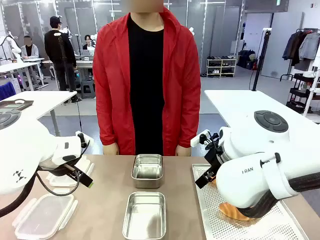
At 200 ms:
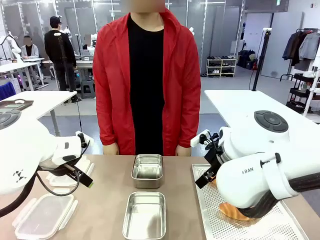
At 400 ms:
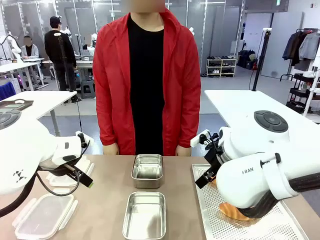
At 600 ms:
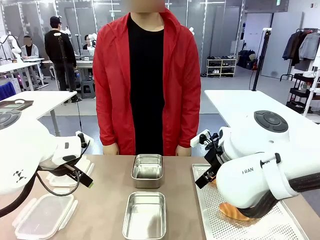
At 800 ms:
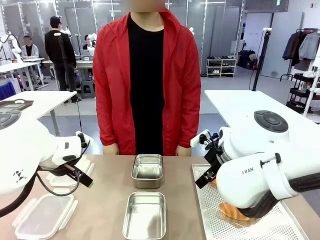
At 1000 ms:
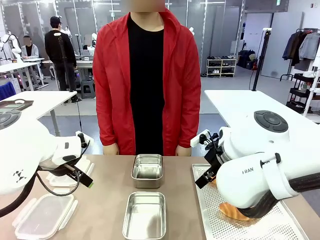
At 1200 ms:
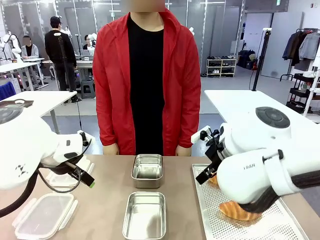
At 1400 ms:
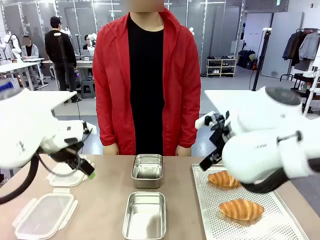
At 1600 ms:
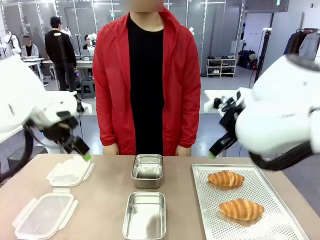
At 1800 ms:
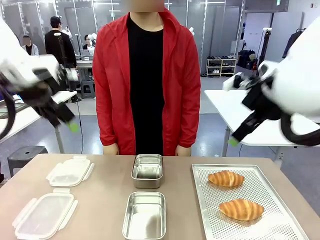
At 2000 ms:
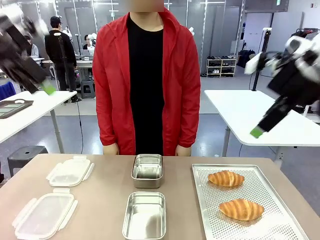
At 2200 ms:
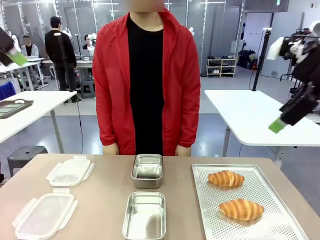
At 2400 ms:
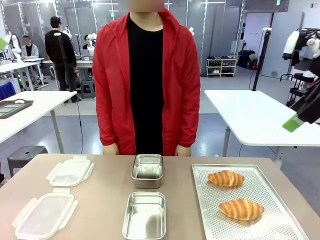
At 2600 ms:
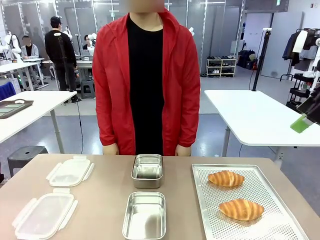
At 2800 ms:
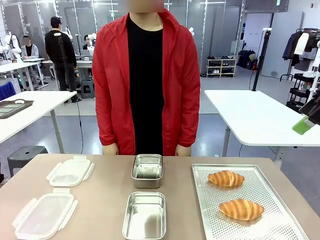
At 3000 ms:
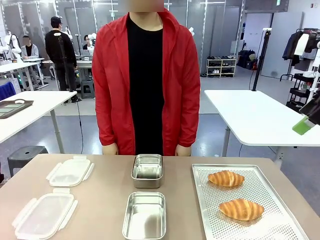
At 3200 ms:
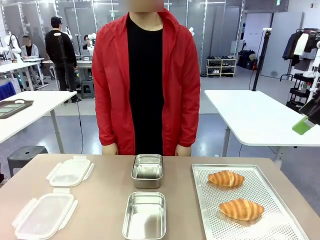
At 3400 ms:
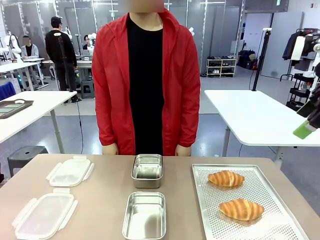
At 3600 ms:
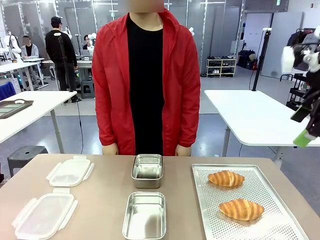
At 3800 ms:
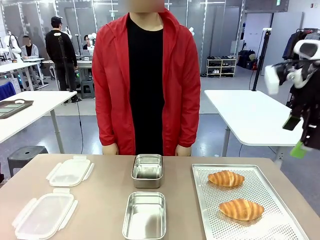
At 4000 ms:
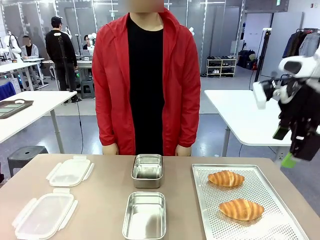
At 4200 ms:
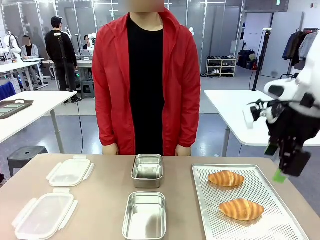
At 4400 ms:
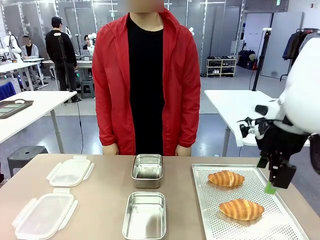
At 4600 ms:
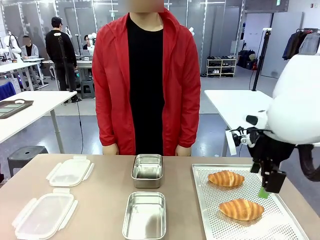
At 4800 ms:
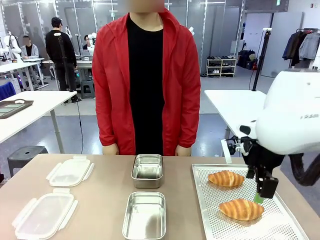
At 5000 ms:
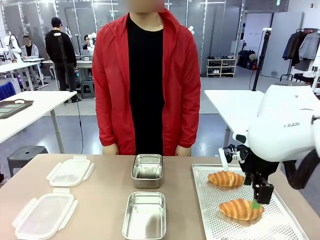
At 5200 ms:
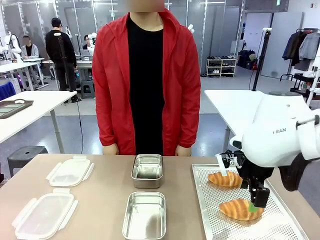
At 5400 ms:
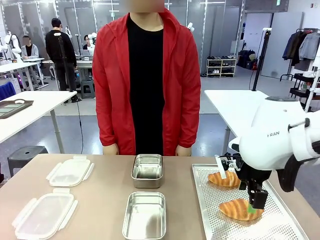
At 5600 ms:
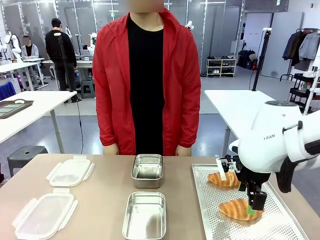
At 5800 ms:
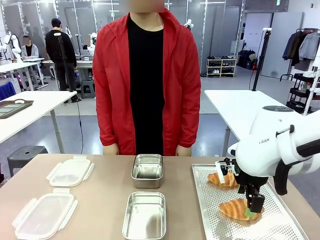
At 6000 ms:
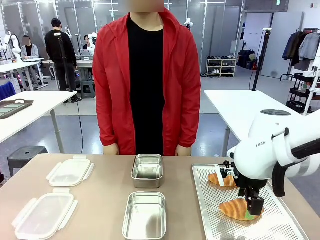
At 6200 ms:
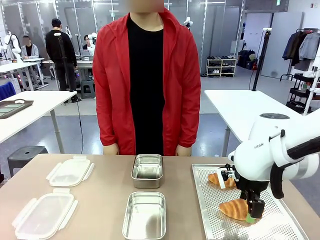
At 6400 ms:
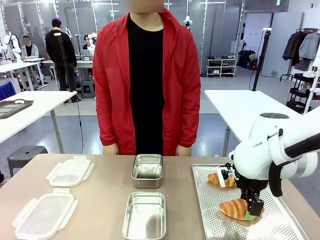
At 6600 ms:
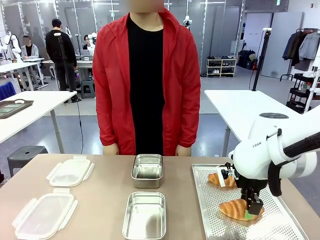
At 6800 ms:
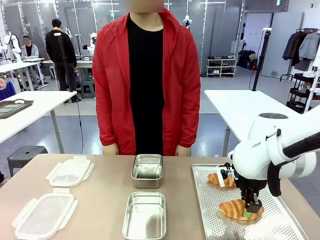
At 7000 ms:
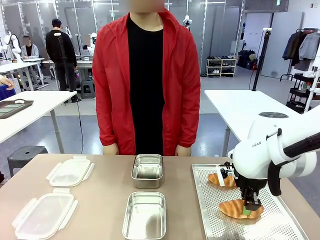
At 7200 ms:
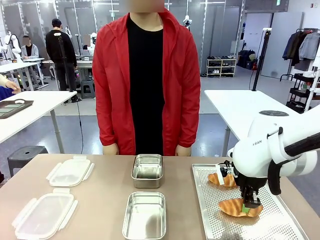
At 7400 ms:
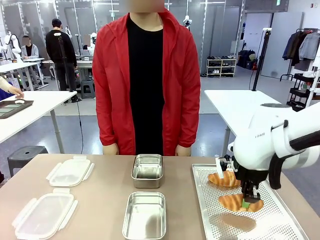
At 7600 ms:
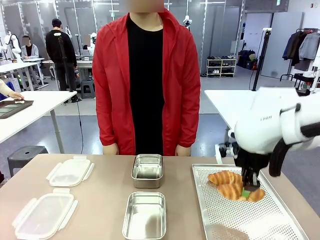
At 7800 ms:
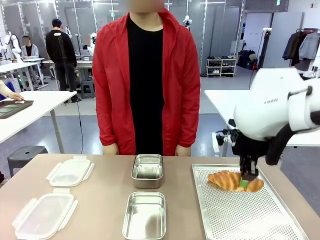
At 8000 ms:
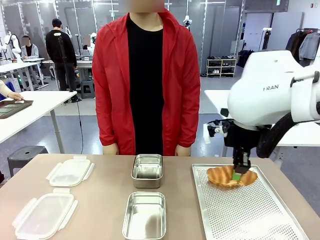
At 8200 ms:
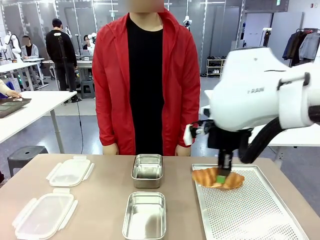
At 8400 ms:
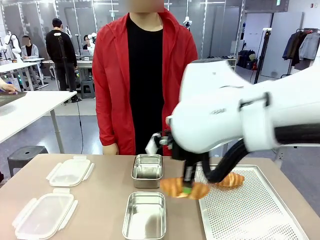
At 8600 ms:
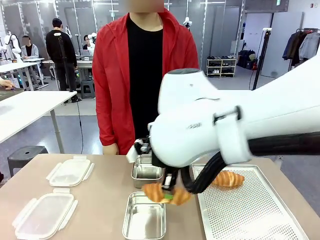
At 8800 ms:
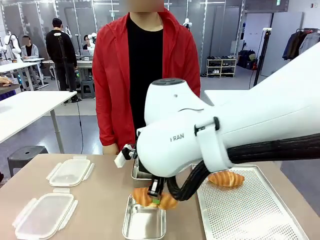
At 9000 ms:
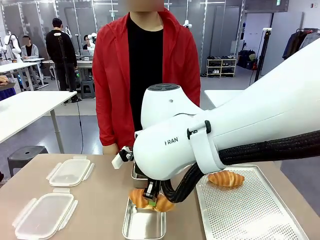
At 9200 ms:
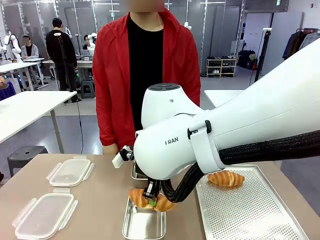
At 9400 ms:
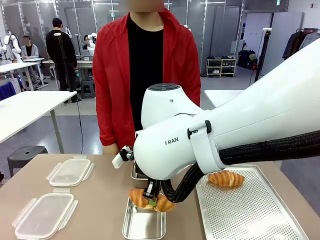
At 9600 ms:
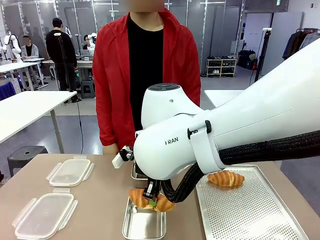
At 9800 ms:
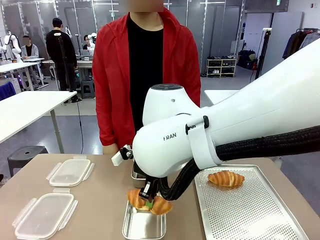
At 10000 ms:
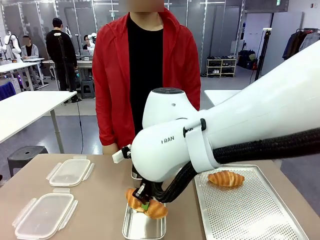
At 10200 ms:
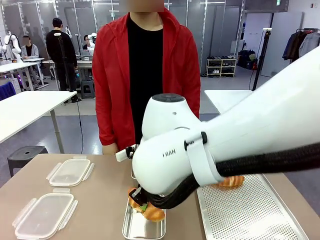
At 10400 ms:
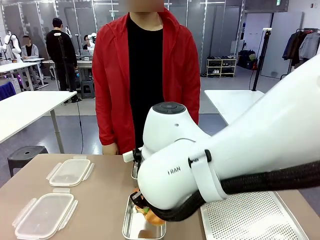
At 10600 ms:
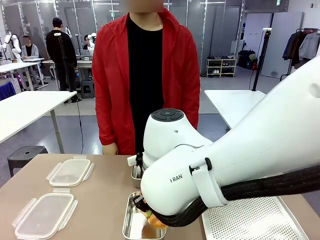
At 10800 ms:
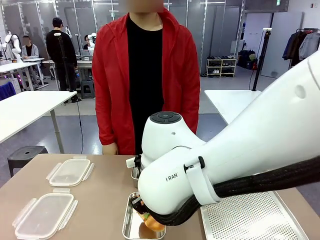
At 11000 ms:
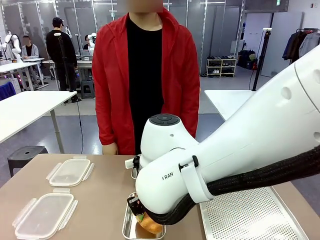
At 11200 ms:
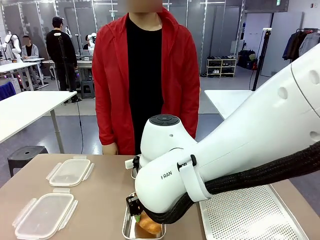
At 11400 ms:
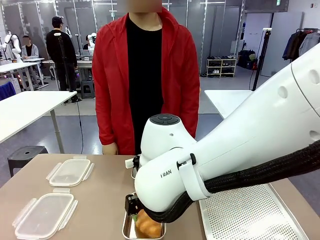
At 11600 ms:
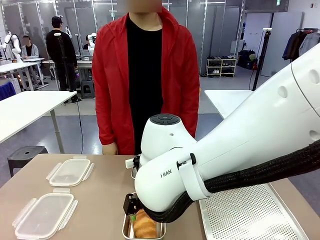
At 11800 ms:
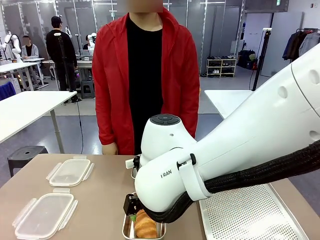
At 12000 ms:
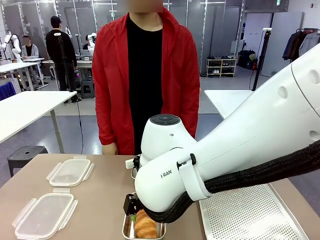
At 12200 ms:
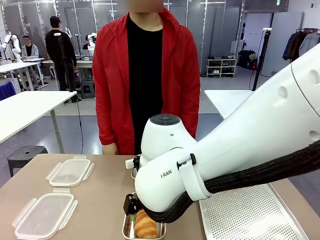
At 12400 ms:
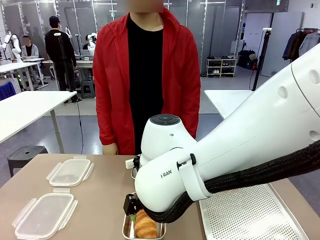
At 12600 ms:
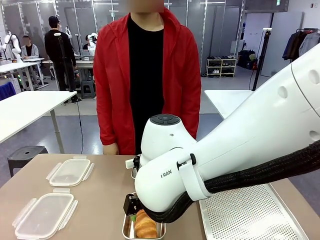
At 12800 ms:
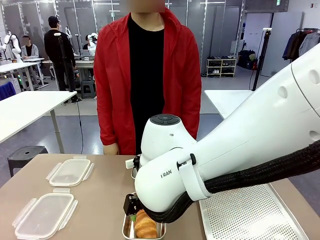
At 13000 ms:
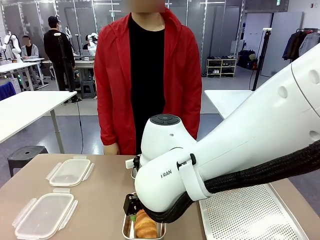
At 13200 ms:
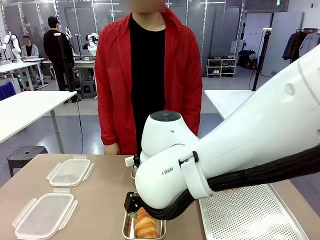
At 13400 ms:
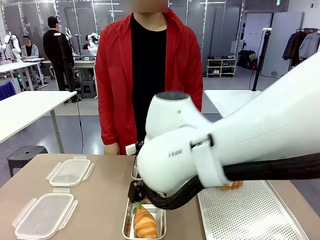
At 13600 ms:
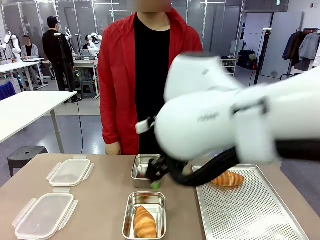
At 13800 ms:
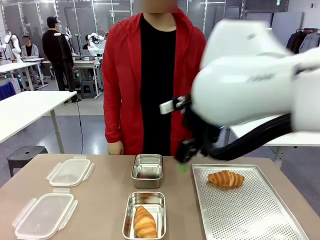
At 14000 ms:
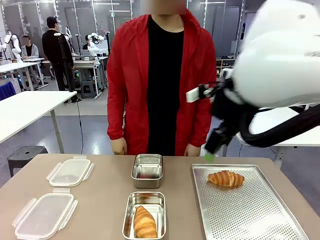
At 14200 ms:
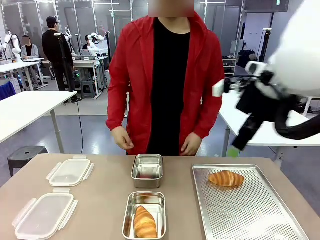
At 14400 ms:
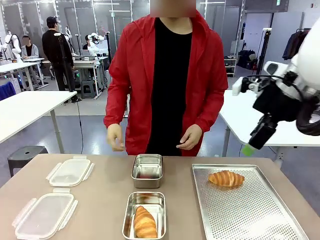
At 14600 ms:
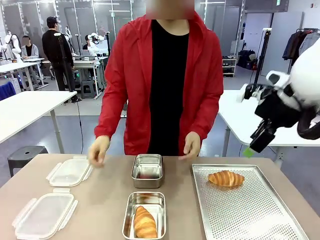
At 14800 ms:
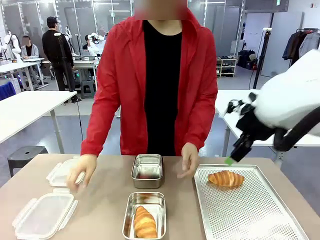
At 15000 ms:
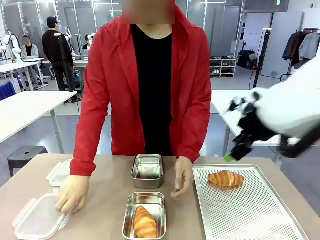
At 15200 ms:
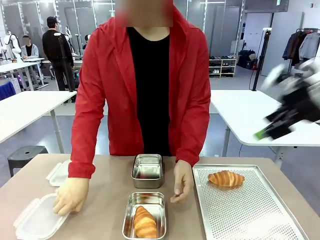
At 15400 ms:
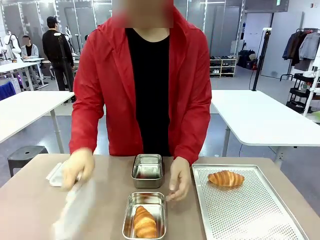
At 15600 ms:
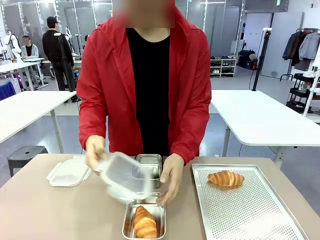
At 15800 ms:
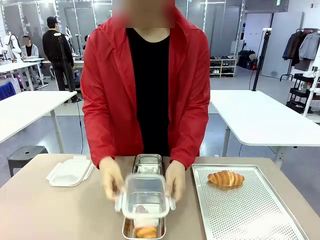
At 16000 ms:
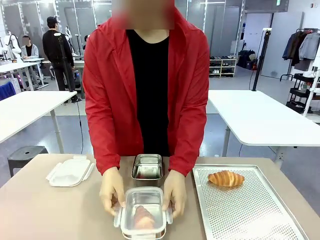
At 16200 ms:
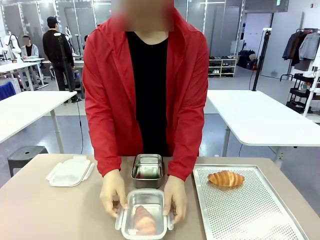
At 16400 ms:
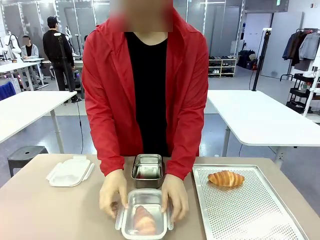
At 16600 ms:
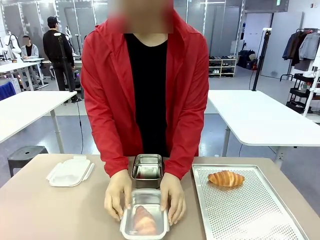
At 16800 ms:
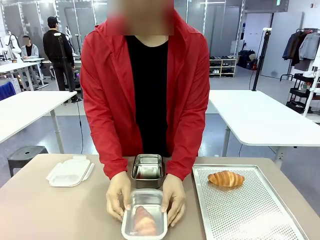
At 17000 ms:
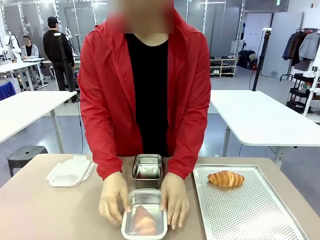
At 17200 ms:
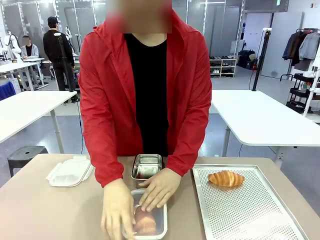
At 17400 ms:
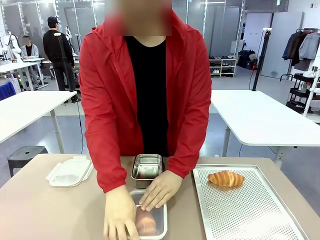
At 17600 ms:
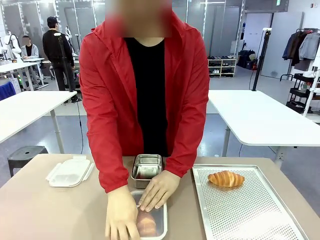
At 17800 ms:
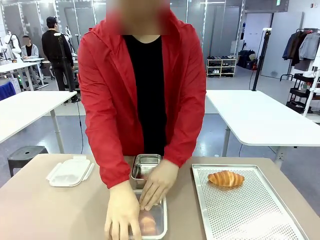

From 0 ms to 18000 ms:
Task: Place the bread into the airtight container.
Robot: Pick up a Butter Roll and place it into an empty Airtight Container.
